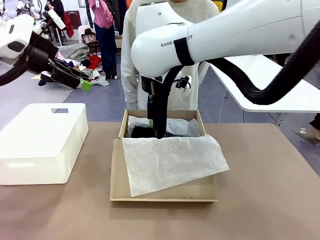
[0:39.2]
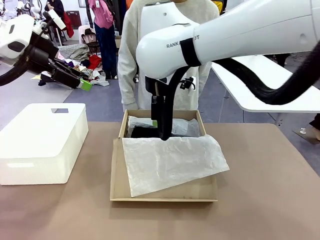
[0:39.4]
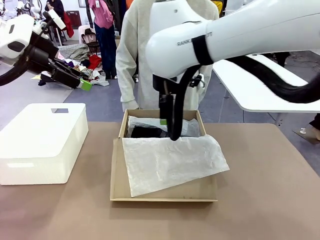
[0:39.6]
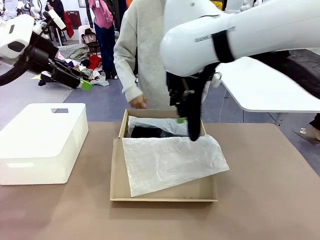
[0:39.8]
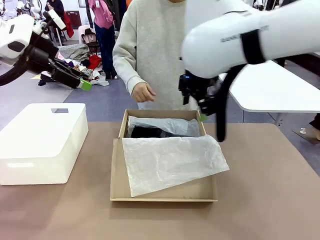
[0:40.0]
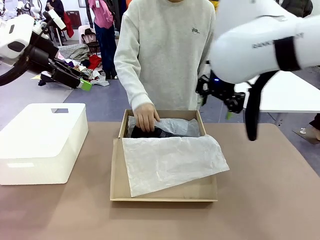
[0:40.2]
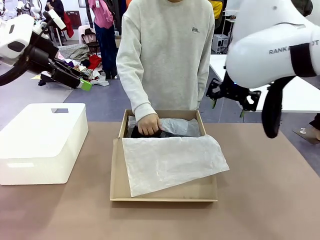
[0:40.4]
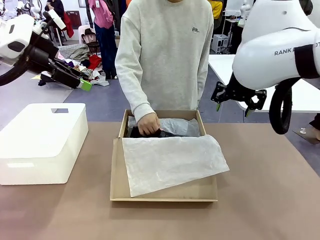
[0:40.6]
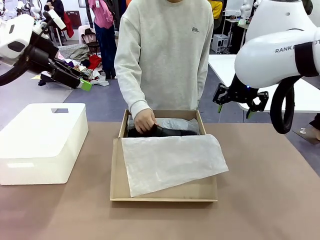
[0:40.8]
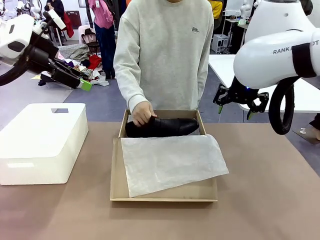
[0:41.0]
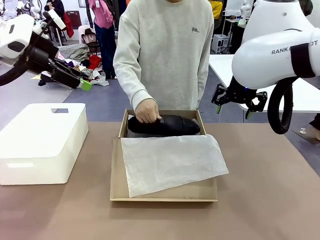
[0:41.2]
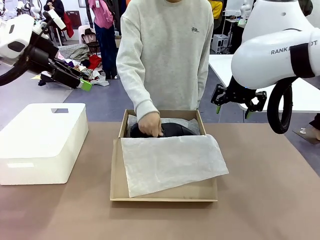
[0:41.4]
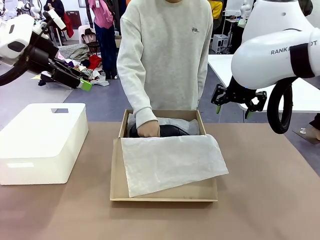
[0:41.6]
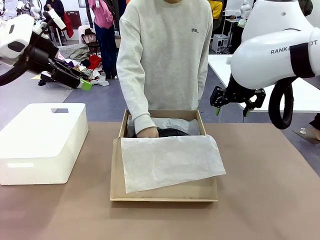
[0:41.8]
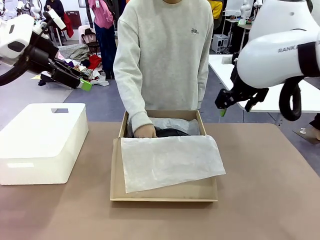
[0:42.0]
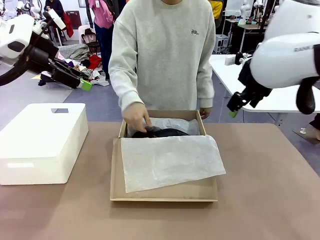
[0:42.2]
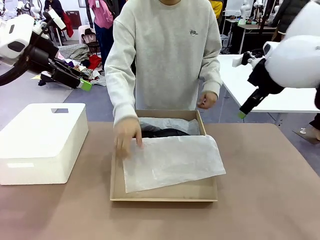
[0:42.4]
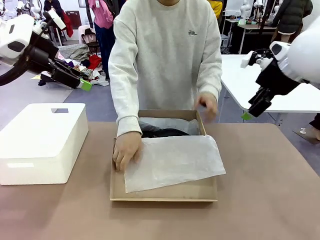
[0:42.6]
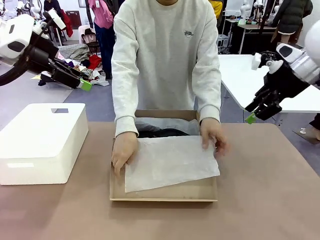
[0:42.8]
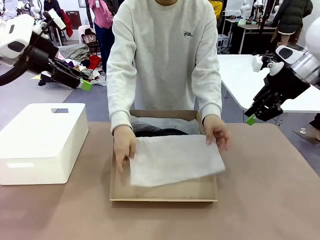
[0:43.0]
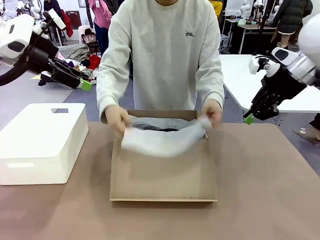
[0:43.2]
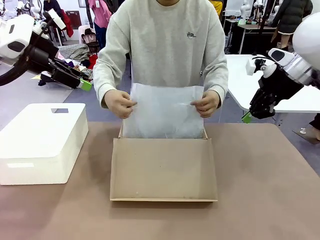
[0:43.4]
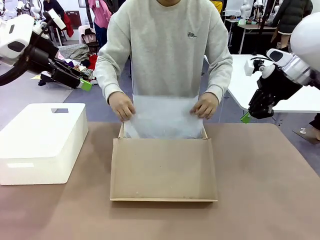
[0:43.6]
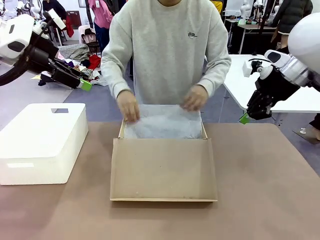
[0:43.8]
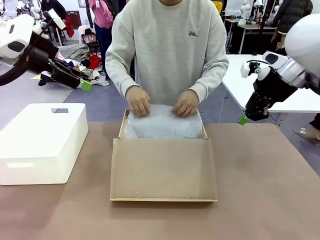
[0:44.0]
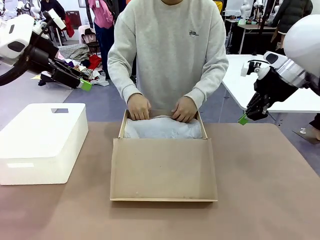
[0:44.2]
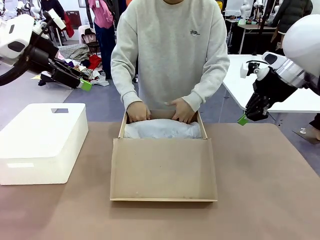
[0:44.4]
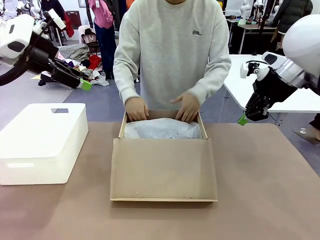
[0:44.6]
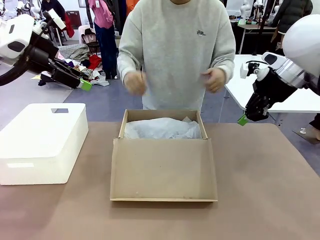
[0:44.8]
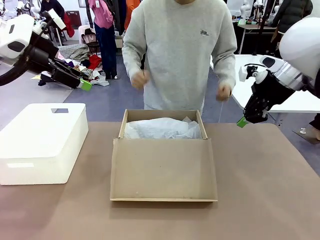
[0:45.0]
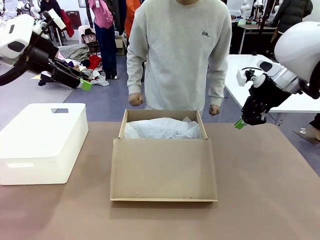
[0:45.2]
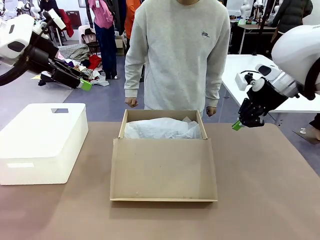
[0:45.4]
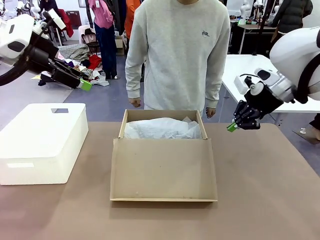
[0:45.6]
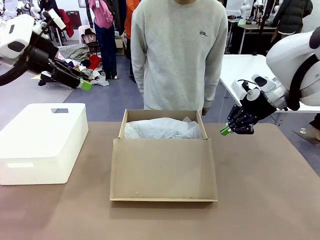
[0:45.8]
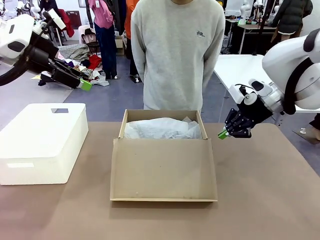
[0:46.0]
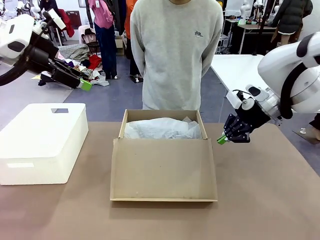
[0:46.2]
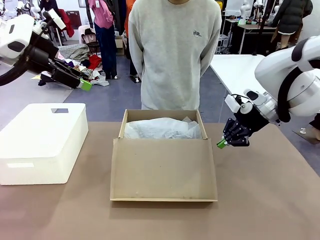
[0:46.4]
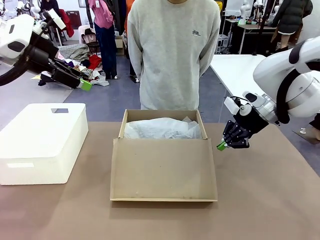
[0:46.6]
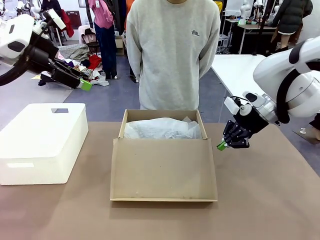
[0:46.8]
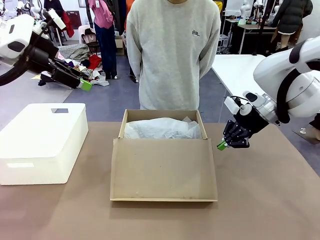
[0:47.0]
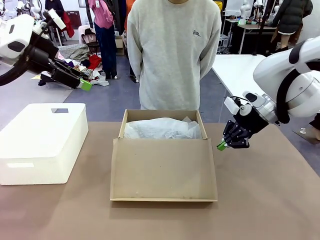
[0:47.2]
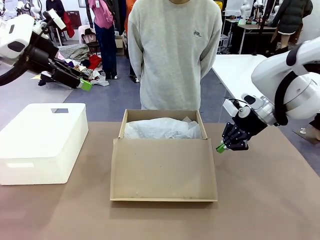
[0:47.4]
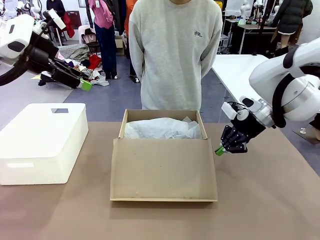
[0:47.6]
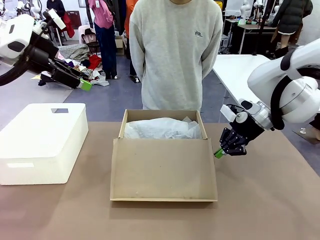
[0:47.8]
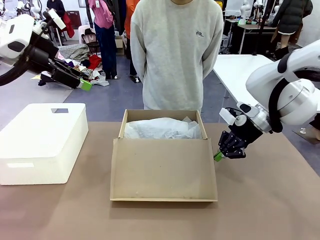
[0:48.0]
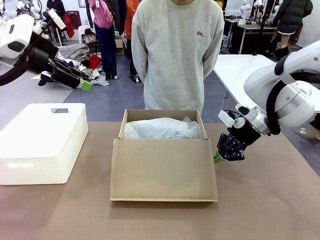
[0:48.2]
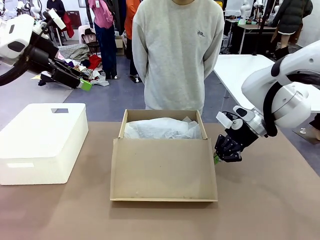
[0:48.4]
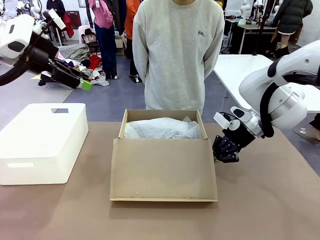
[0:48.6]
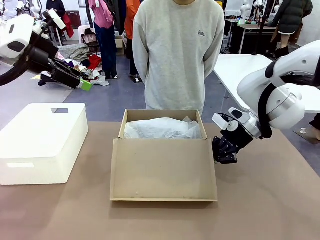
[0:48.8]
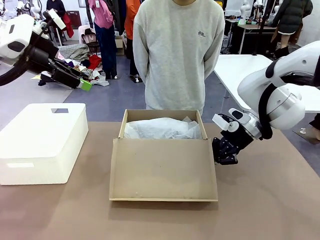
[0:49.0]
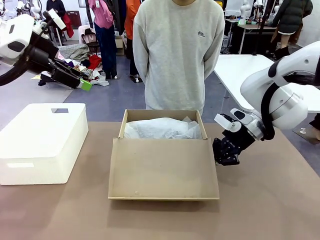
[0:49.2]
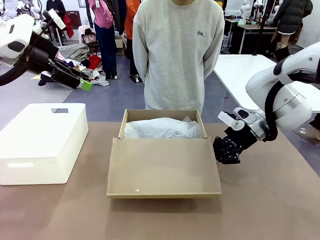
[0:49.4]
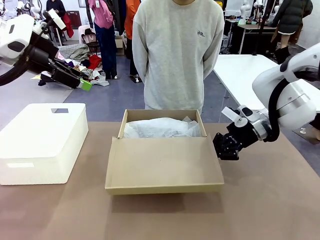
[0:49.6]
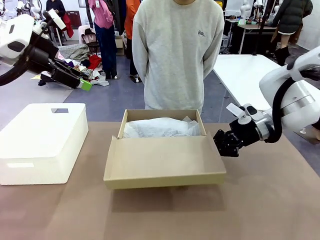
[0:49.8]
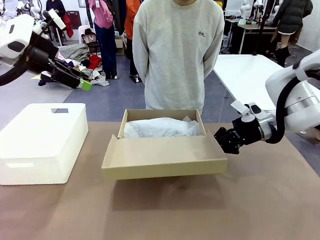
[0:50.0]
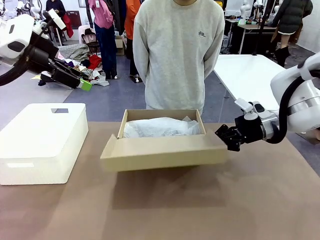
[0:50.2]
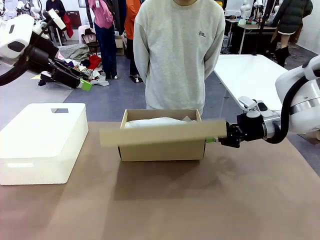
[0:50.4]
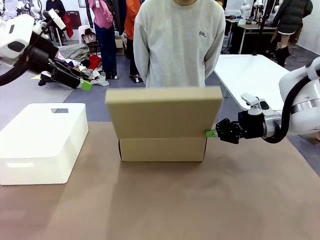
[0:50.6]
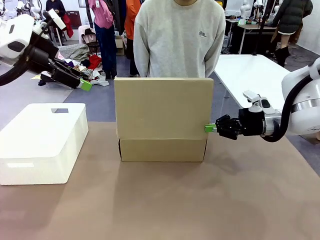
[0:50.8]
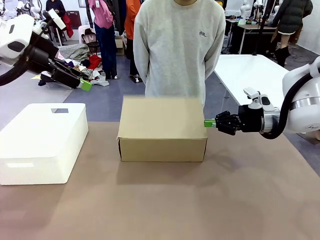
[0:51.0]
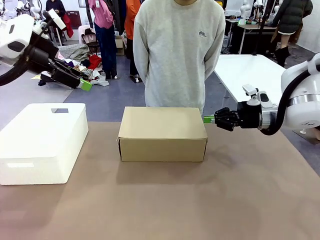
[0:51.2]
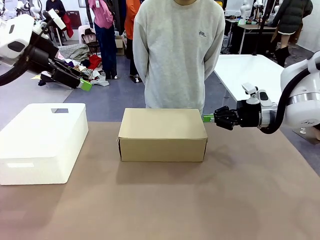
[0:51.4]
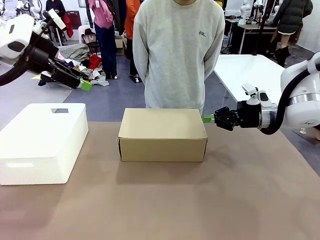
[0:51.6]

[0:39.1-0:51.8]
Task: Pack the shoes into the box.
Robot: Close the Shoes Box.

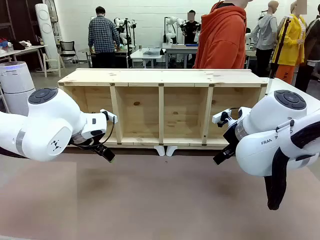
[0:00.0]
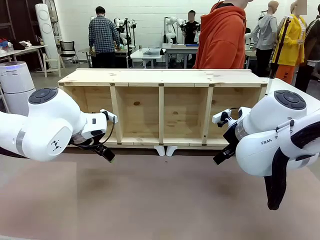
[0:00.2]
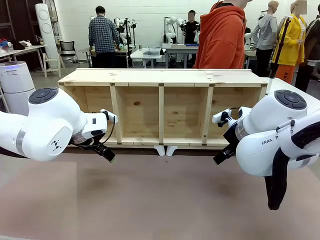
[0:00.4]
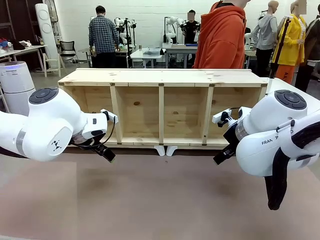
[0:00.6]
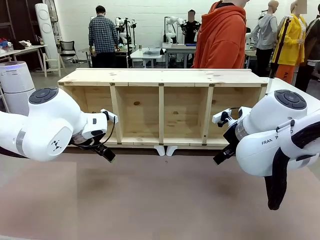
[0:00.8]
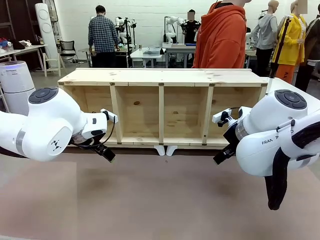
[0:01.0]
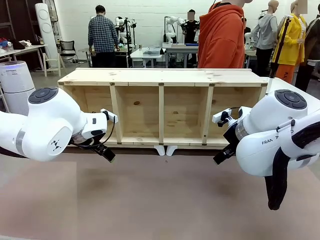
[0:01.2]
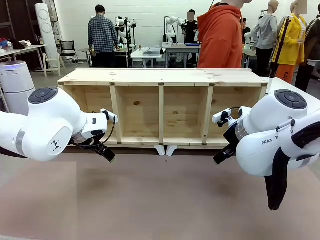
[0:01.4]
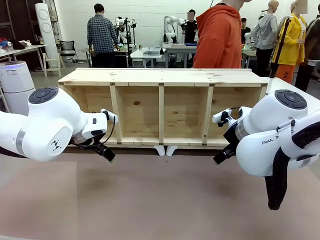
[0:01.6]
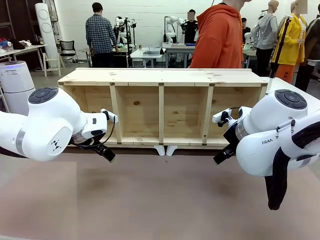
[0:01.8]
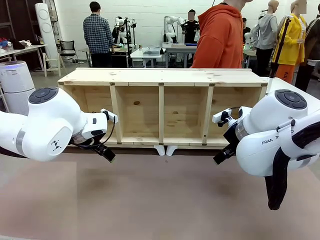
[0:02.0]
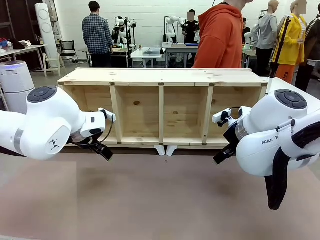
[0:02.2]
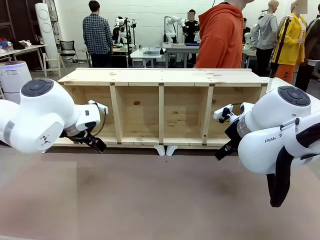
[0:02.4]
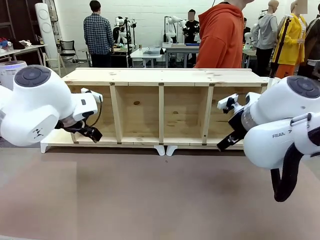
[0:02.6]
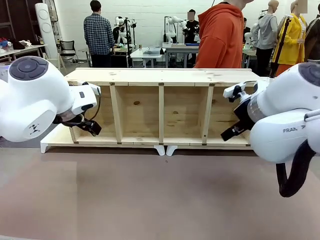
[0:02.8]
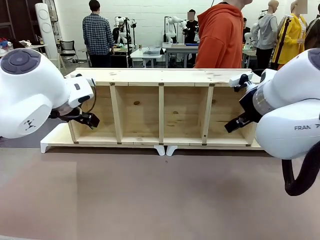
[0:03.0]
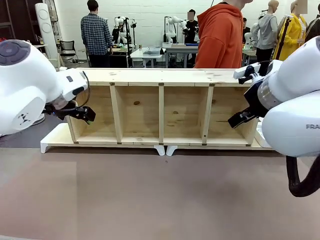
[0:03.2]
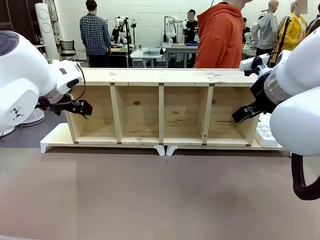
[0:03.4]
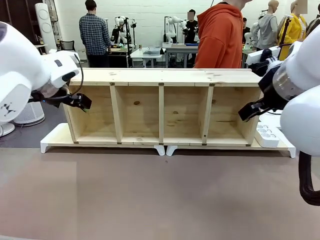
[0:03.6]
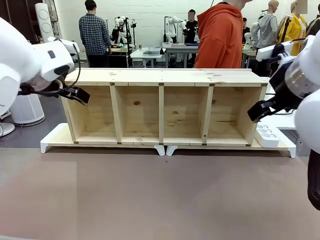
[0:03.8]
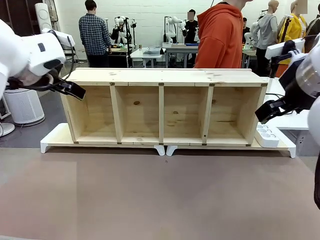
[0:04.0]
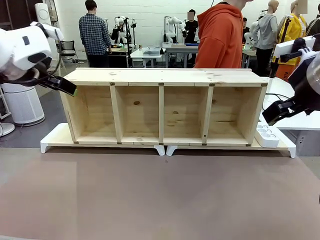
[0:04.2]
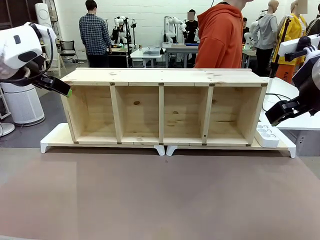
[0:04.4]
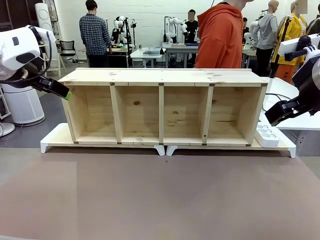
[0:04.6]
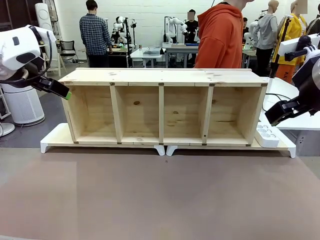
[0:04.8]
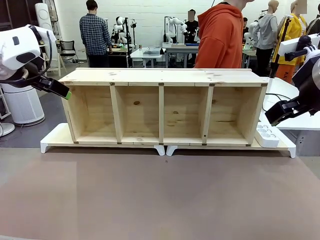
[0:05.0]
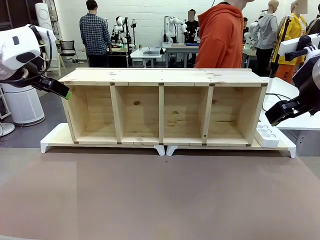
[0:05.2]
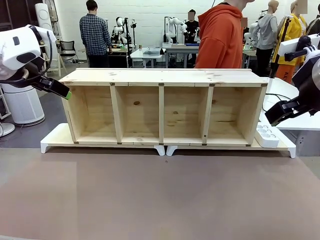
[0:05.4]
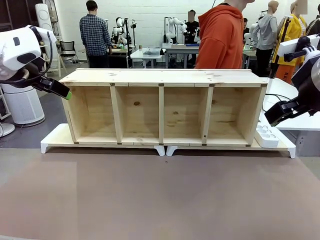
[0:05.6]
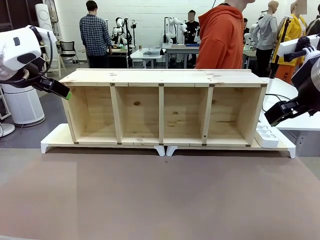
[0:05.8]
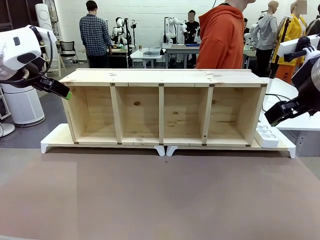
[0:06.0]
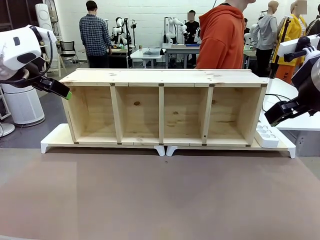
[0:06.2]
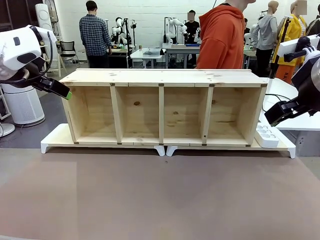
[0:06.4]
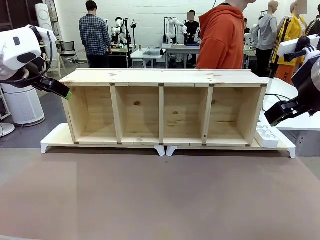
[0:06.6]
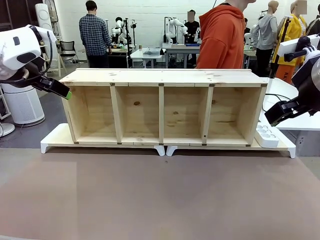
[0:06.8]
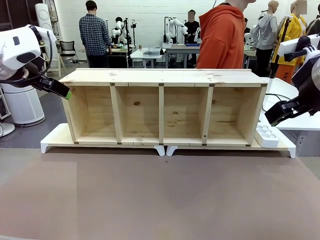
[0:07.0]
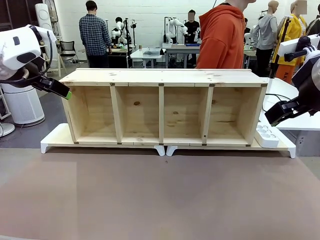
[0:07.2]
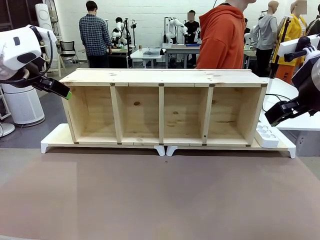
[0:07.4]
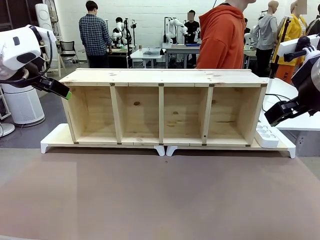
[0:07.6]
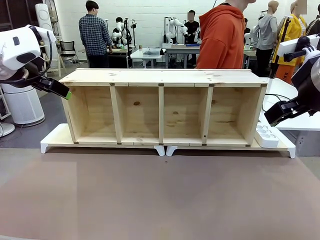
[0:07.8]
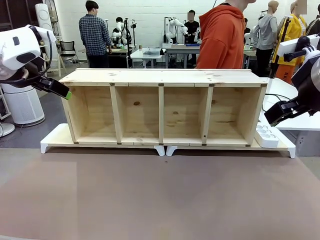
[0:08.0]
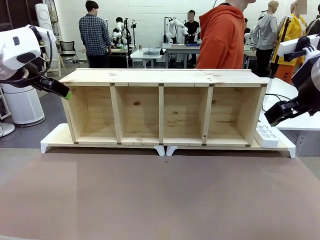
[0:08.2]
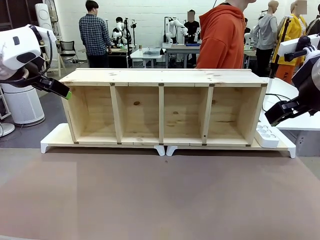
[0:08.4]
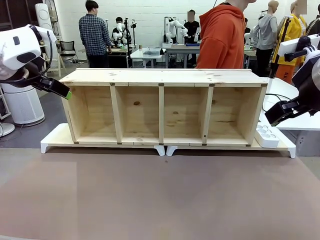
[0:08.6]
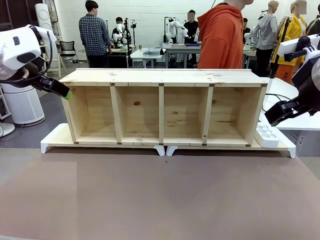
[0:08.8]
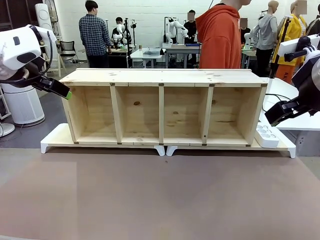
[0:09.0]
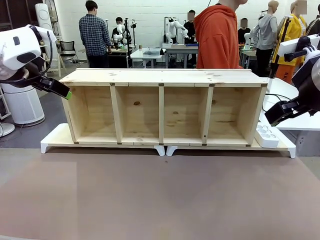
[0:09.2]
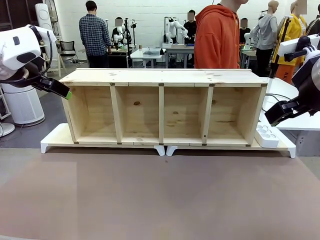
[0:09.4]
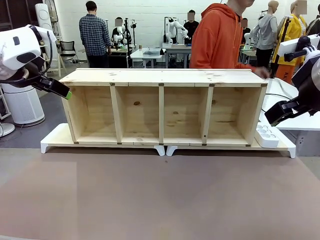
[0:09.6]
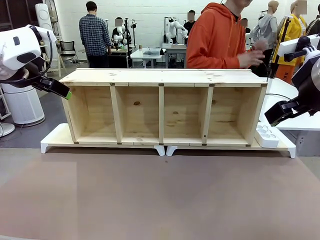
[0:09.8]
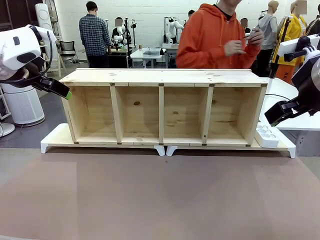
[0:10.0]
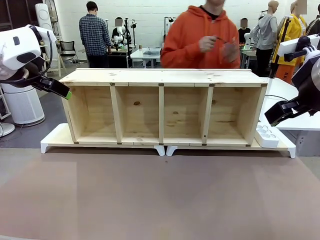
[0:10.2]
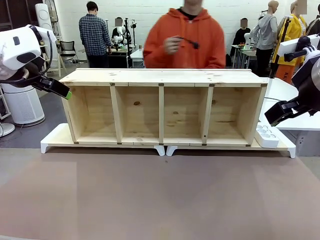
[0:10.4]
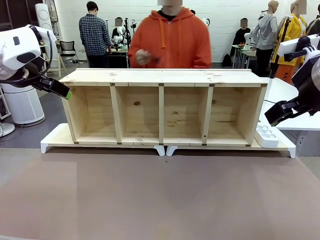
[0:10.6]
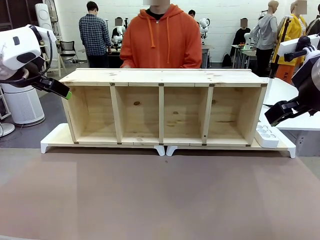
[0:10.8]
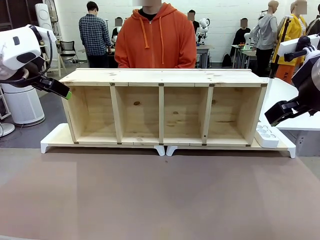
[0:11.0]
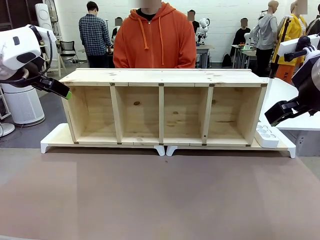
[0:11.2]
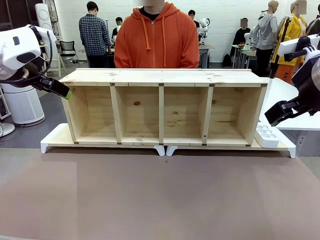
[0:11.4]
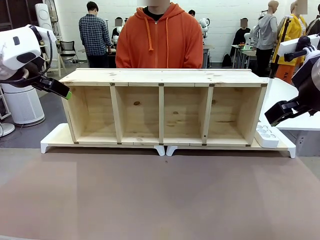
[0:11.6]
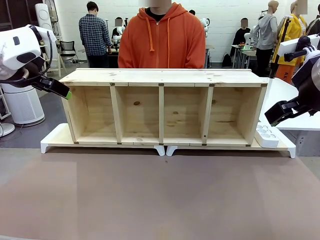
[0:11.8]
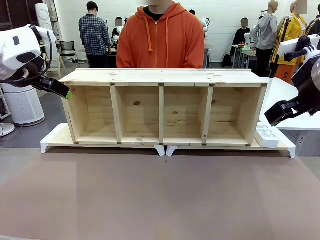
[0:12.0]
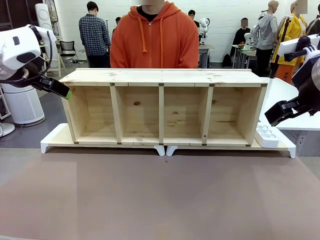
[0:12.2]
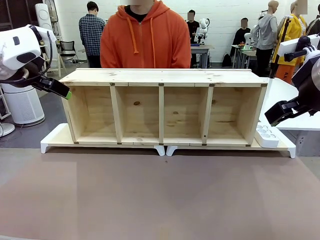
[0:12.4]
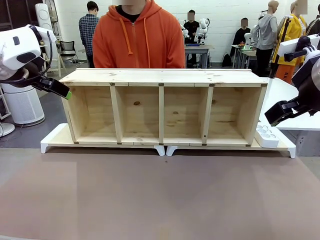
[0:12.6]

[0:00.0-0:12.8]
Task: Perform cable management.
Robot: When the cord part of the Power Cable appears at the lower middle area of the table and stops, grasp the cord part of the Power Cable.
Person: Pass the Power Cable under the Serving Table.
